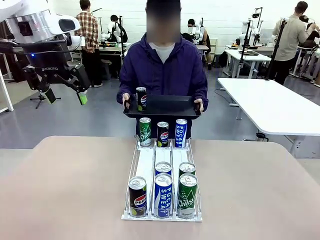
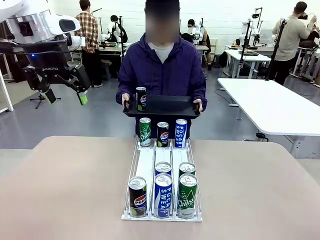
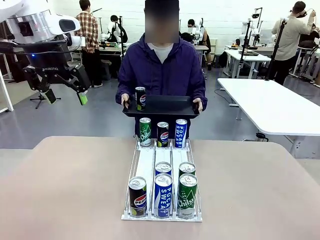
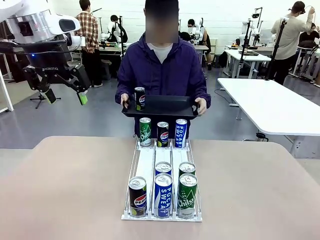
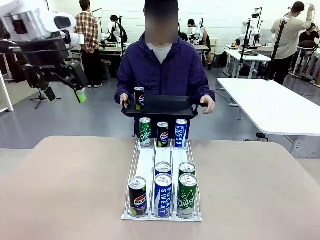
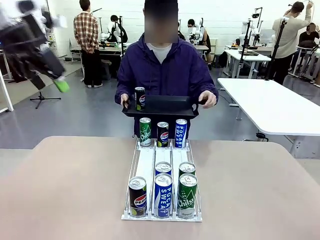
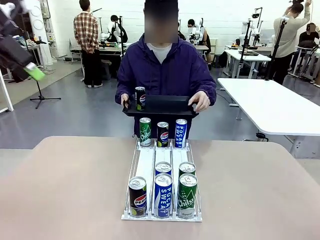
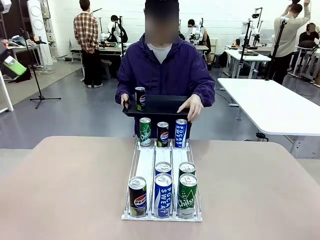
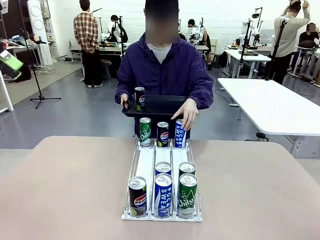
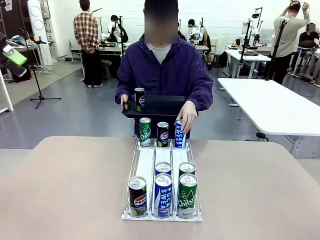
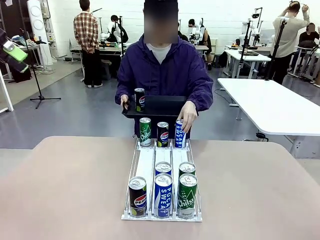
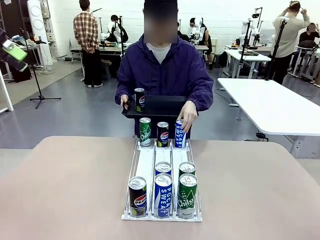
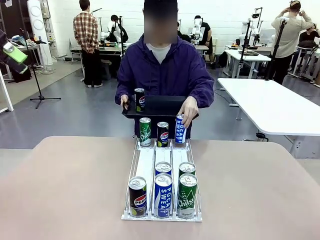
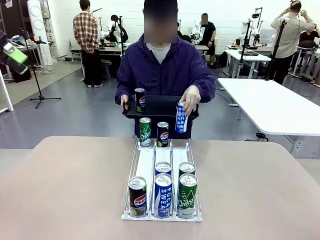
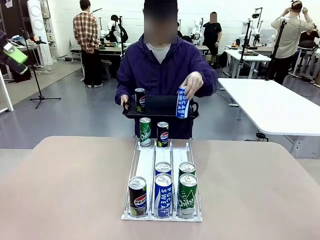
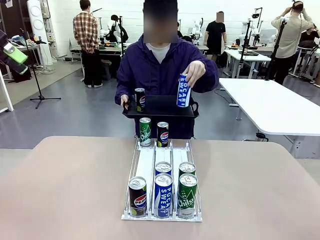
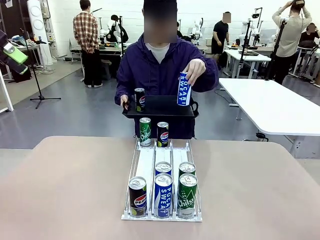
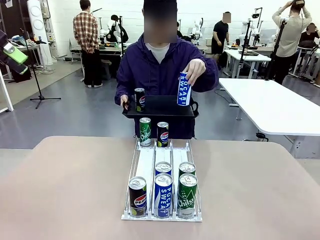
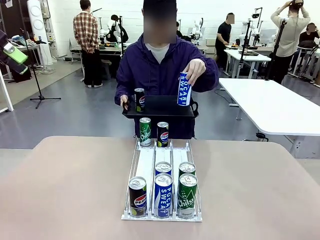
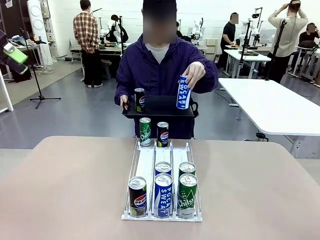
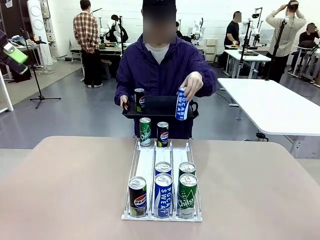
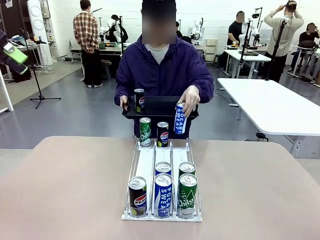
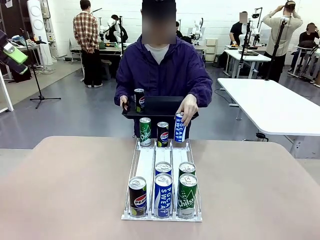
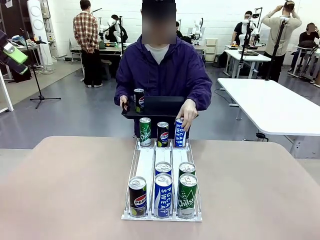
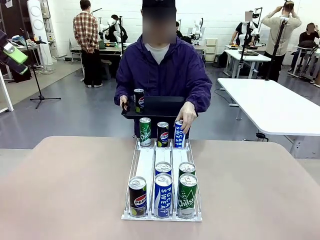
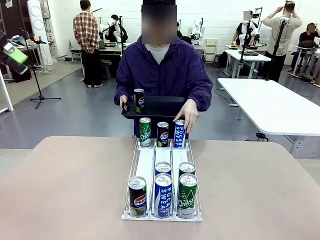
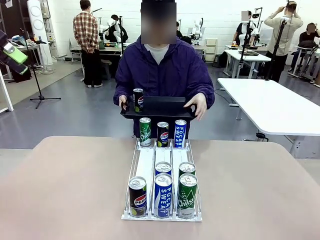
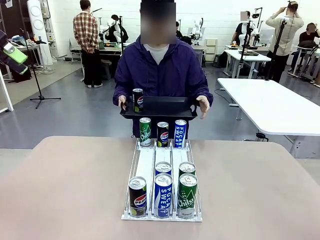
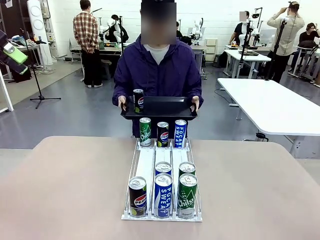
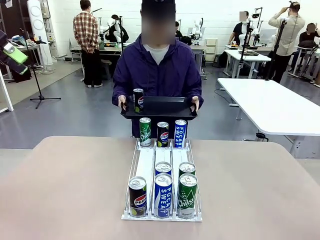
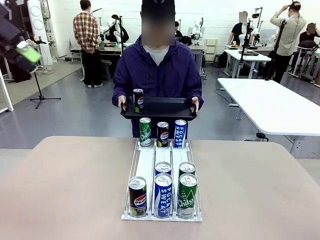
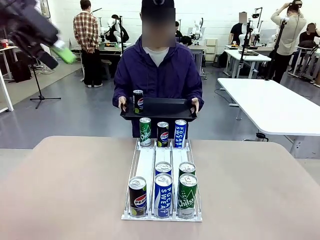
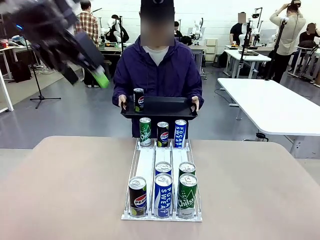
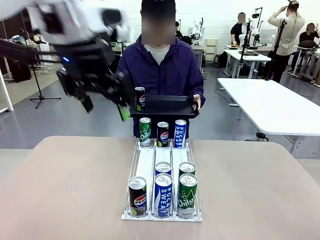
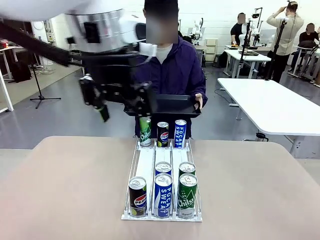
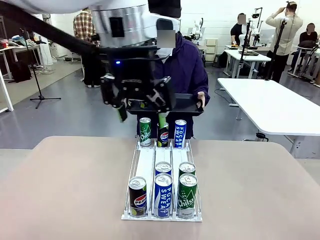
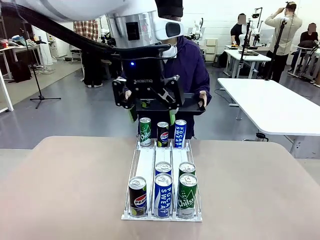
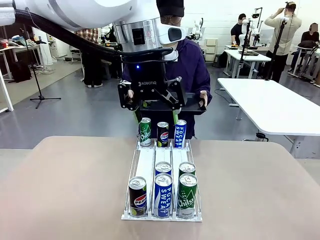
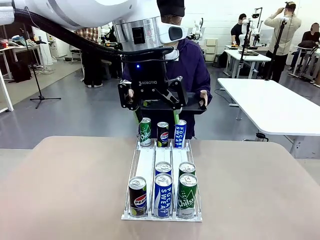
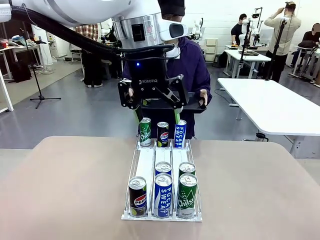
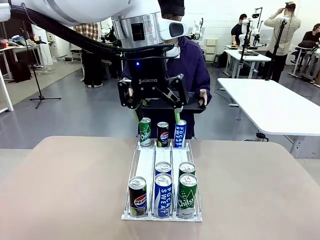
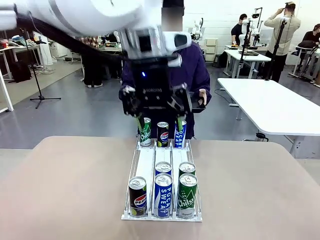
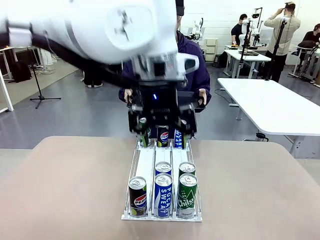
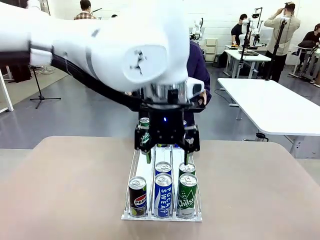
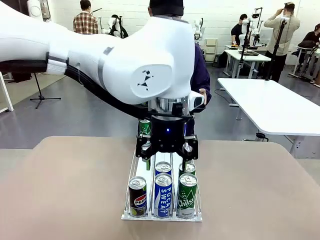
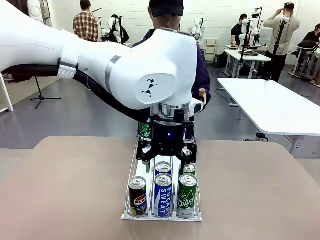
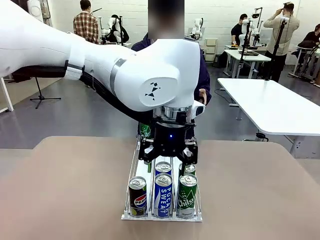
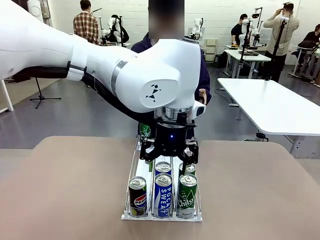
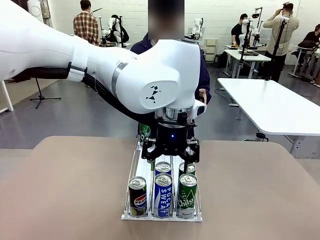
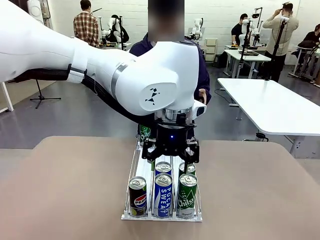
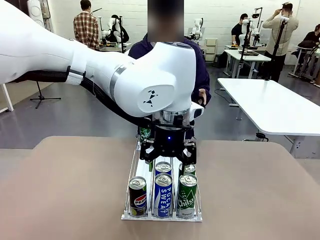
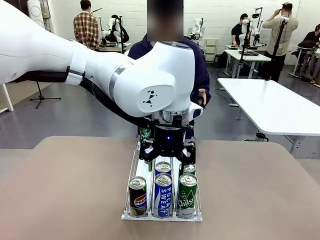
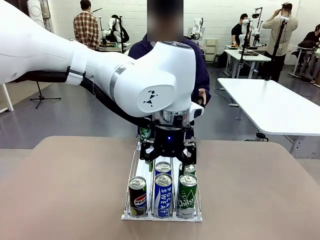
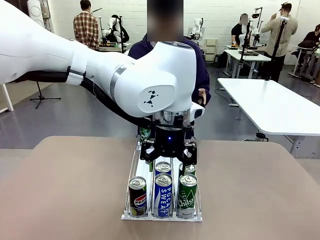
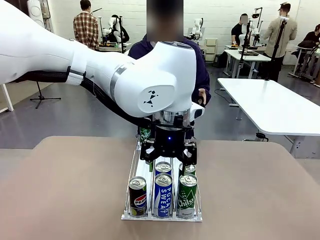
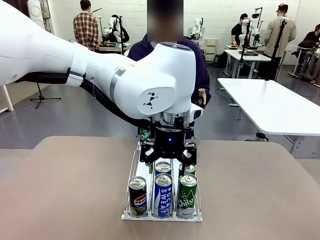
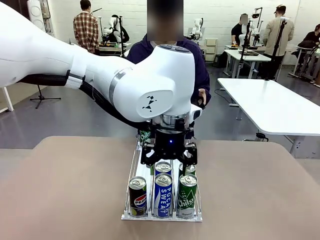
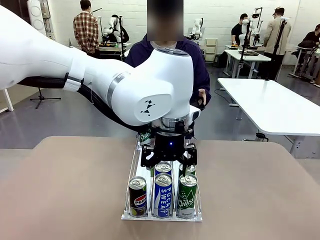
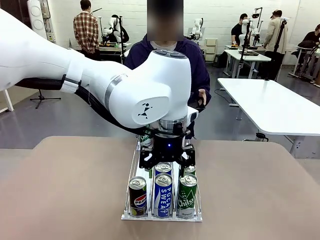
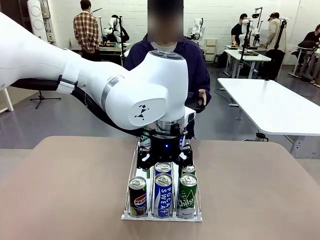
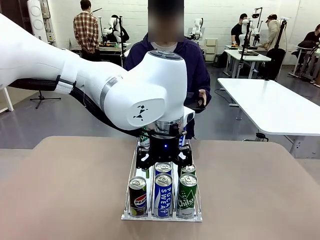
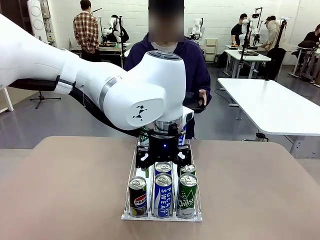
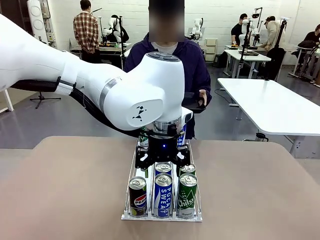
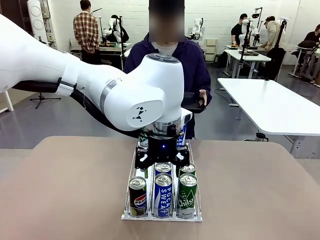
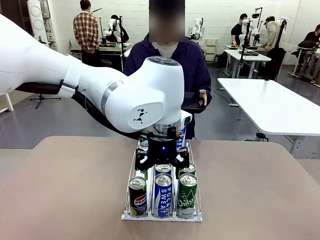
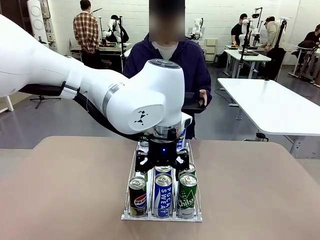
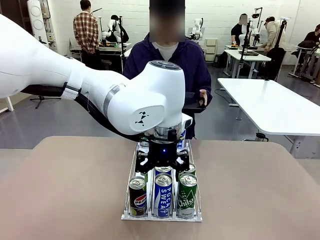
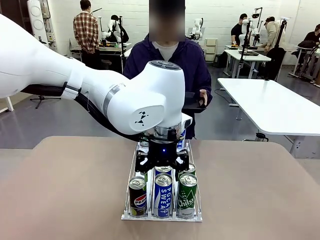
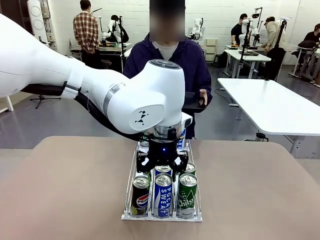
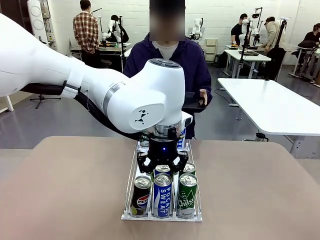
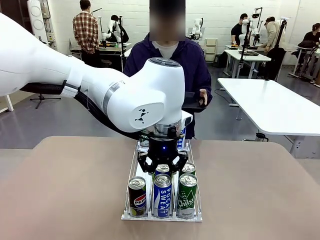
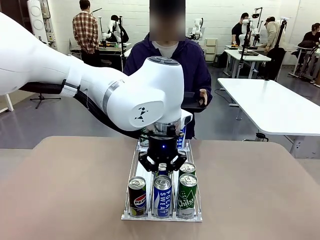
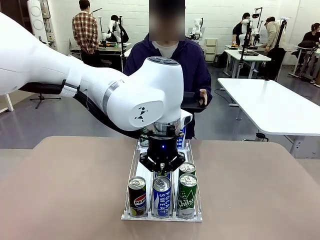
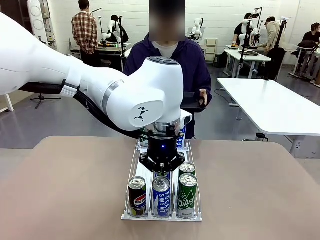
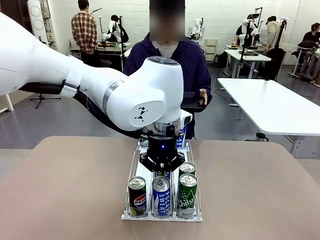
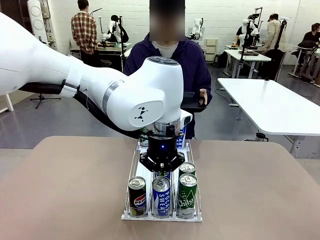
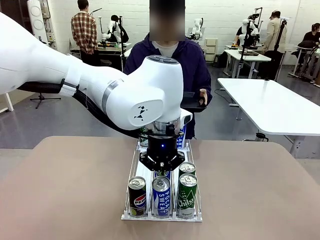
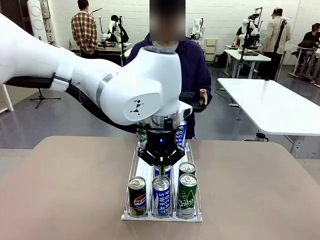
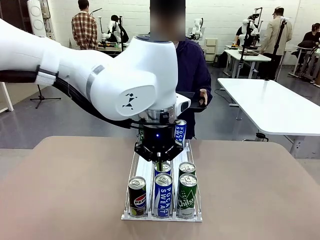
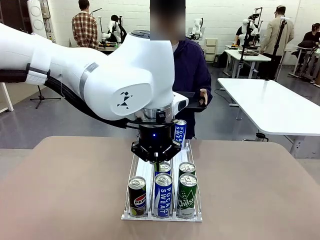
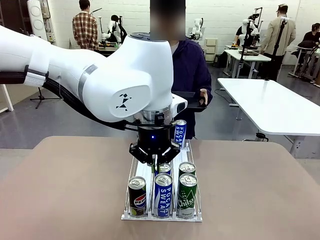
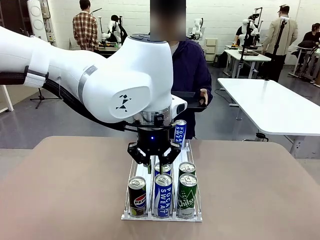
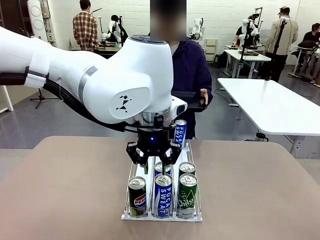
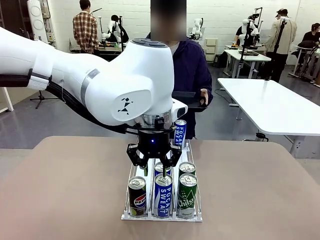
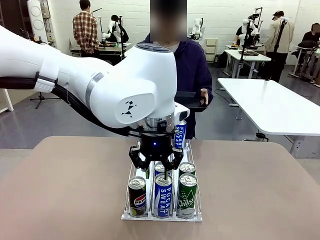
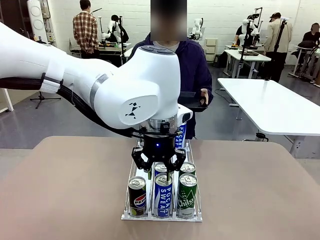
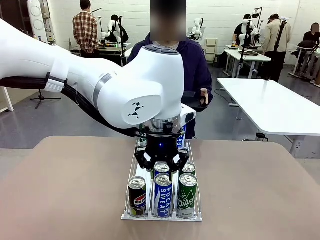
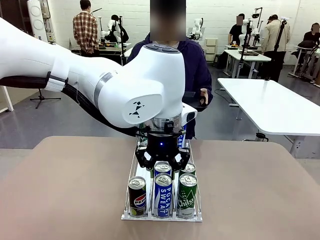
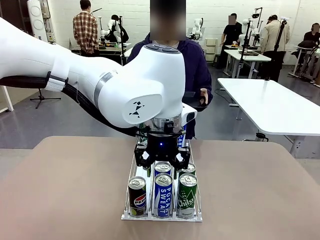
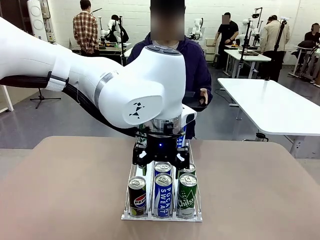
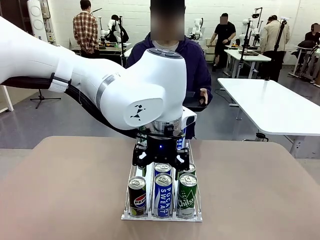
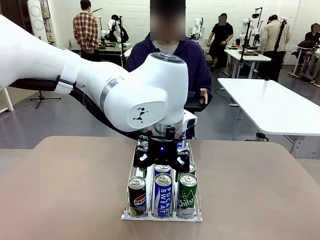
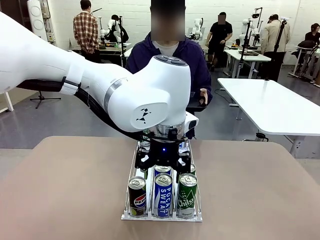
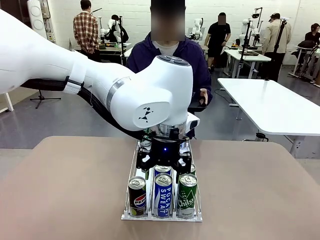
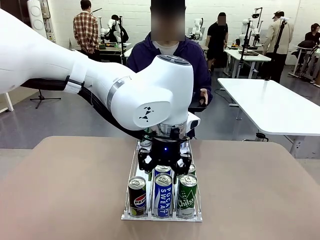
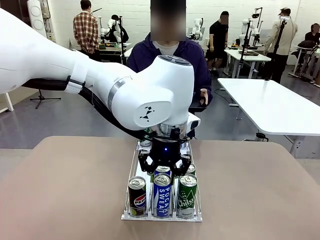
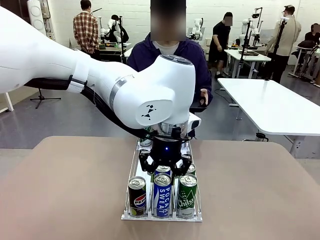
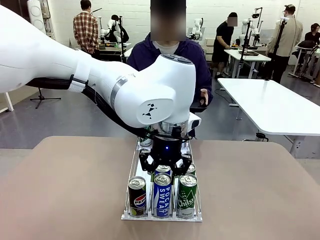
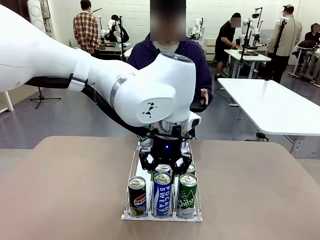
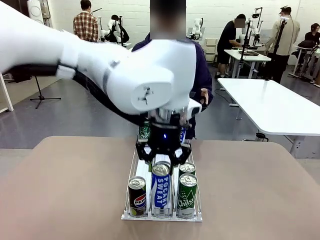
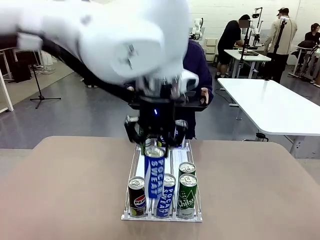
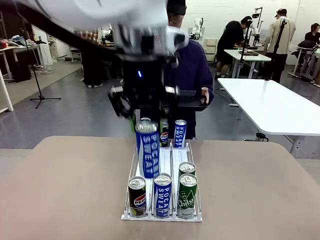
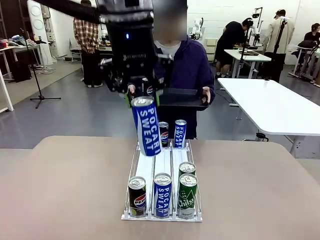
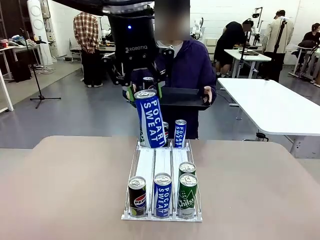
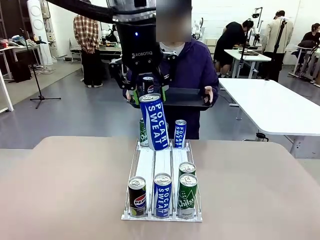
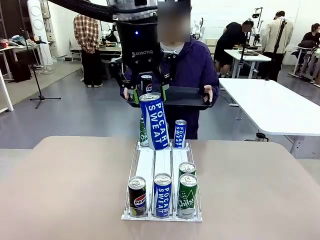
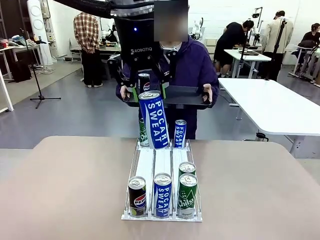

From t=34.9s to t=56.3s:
Task: Retrieve and hand over the desired beverage to the person.
Robot: Pick up another can of the same type that the person held from the Automatic Can Dispenser.
Person: Push the tray toward the robot again.
